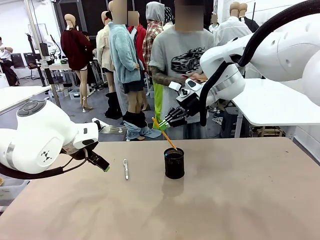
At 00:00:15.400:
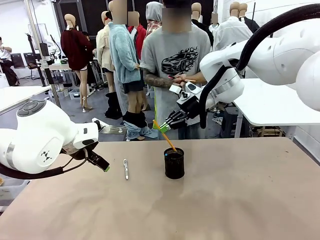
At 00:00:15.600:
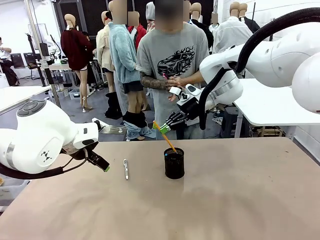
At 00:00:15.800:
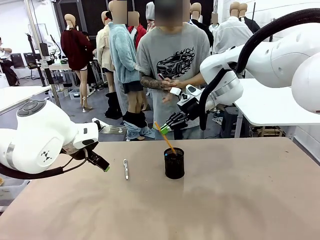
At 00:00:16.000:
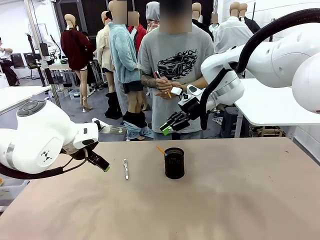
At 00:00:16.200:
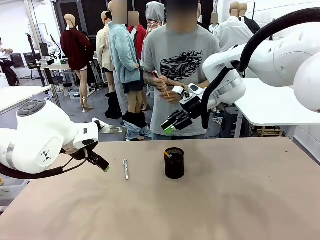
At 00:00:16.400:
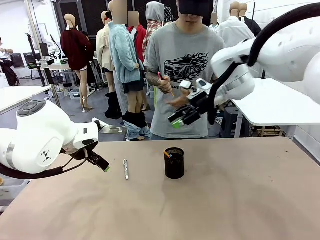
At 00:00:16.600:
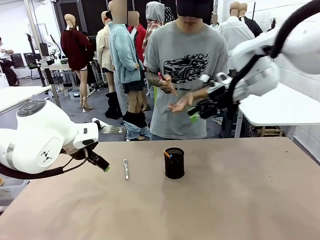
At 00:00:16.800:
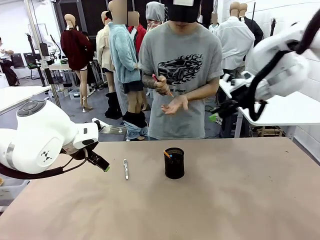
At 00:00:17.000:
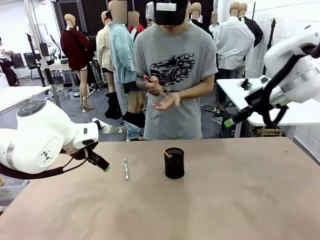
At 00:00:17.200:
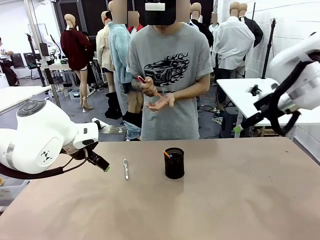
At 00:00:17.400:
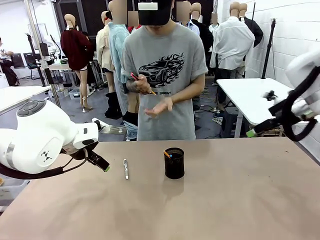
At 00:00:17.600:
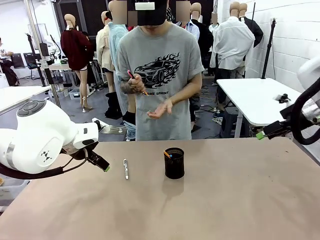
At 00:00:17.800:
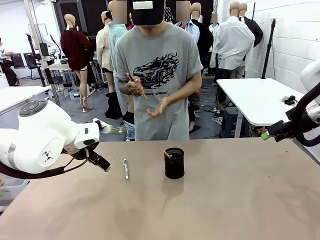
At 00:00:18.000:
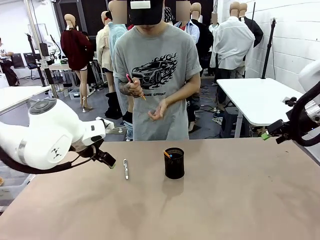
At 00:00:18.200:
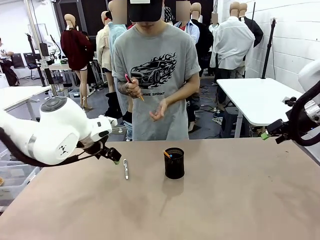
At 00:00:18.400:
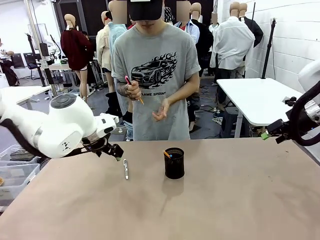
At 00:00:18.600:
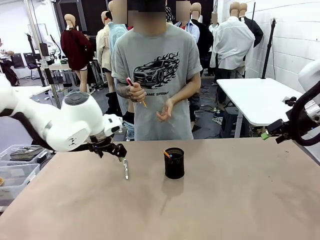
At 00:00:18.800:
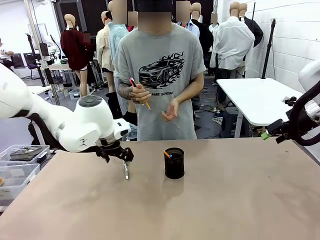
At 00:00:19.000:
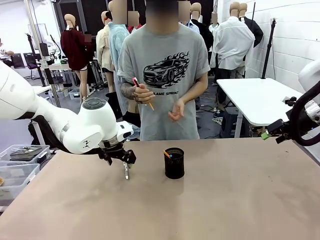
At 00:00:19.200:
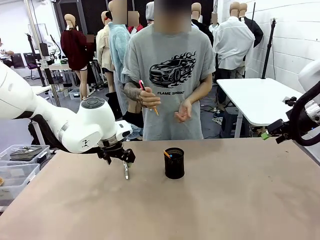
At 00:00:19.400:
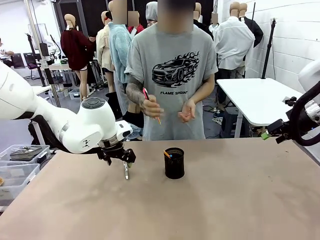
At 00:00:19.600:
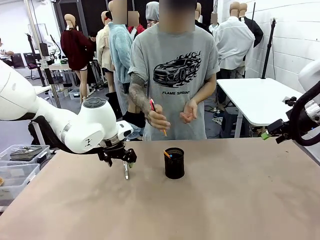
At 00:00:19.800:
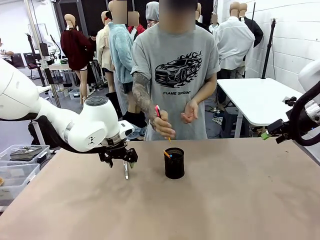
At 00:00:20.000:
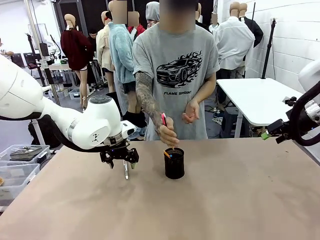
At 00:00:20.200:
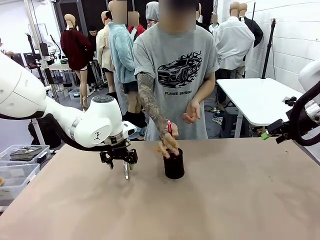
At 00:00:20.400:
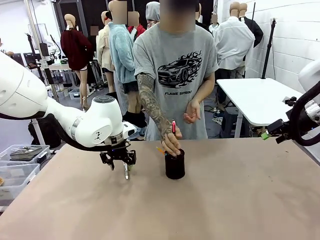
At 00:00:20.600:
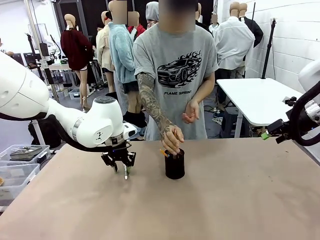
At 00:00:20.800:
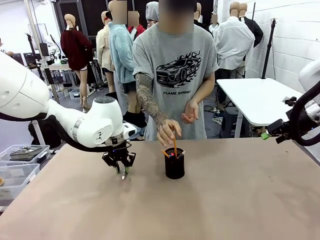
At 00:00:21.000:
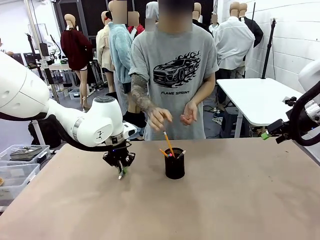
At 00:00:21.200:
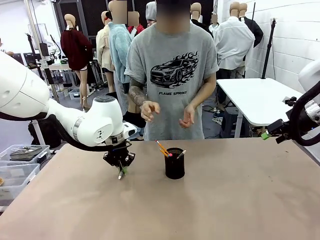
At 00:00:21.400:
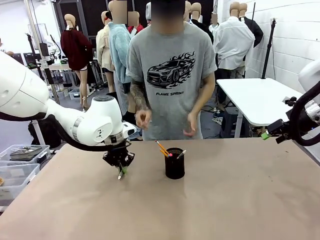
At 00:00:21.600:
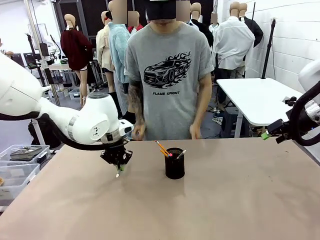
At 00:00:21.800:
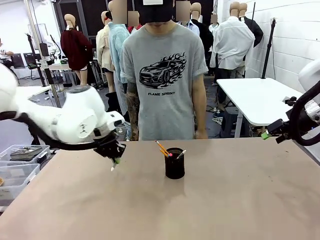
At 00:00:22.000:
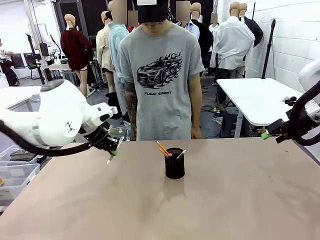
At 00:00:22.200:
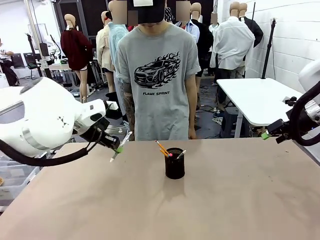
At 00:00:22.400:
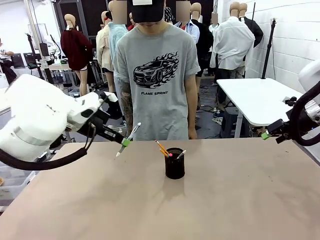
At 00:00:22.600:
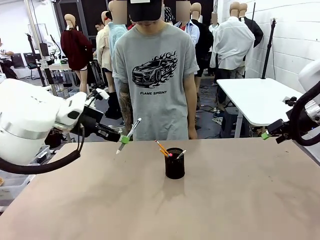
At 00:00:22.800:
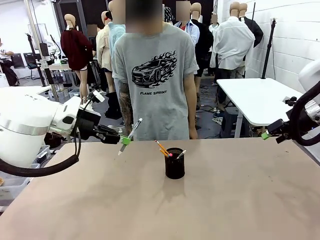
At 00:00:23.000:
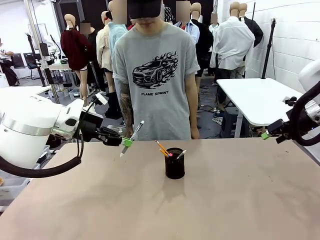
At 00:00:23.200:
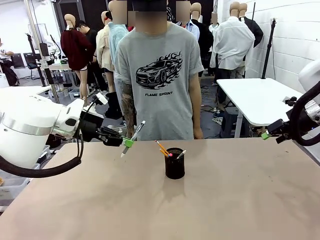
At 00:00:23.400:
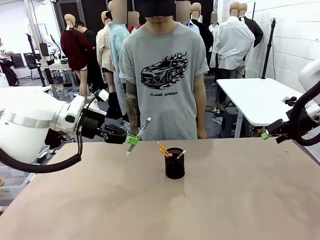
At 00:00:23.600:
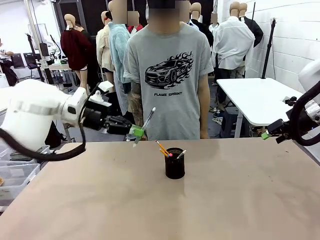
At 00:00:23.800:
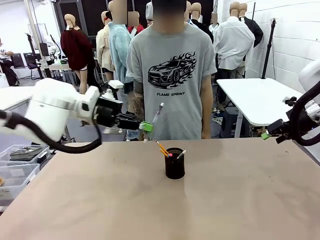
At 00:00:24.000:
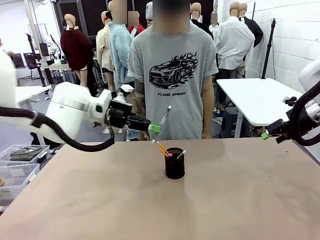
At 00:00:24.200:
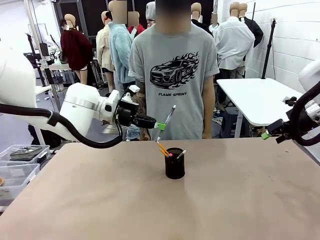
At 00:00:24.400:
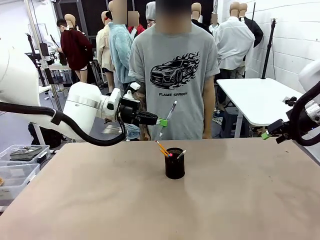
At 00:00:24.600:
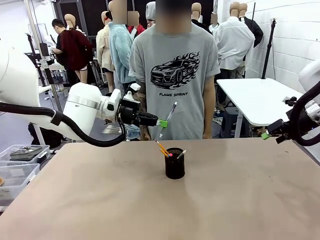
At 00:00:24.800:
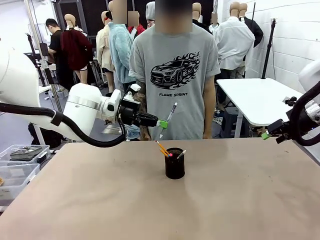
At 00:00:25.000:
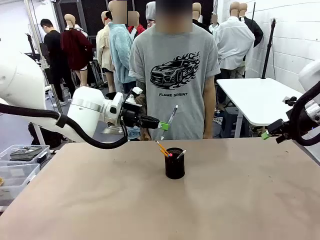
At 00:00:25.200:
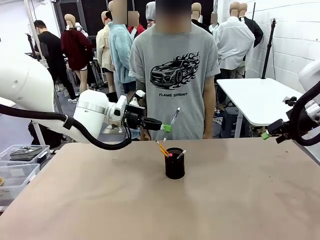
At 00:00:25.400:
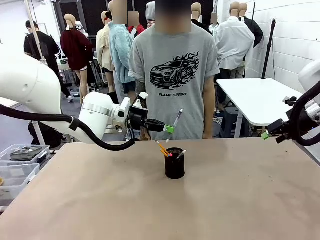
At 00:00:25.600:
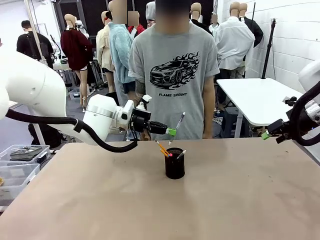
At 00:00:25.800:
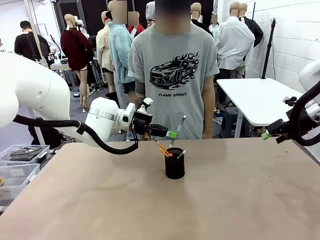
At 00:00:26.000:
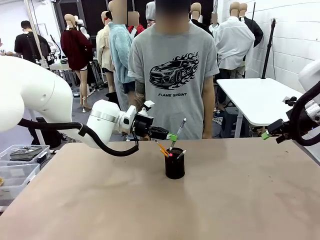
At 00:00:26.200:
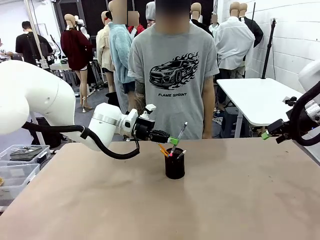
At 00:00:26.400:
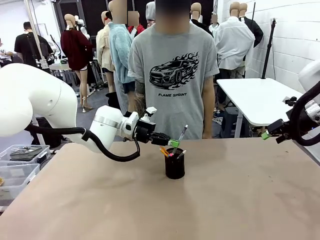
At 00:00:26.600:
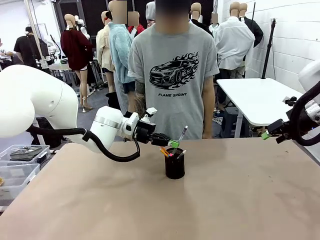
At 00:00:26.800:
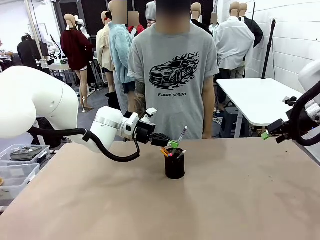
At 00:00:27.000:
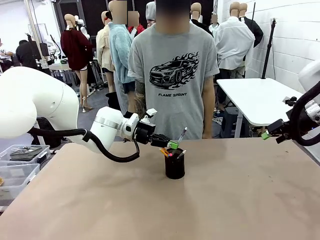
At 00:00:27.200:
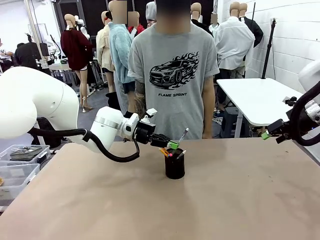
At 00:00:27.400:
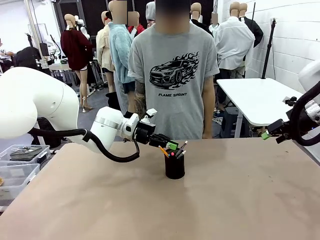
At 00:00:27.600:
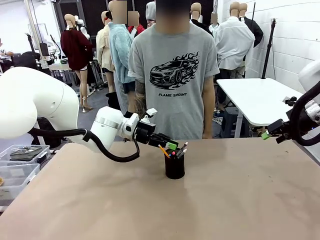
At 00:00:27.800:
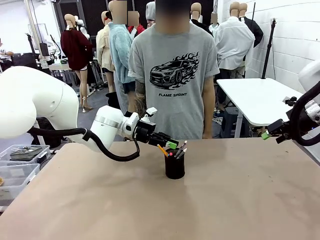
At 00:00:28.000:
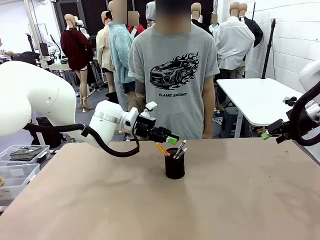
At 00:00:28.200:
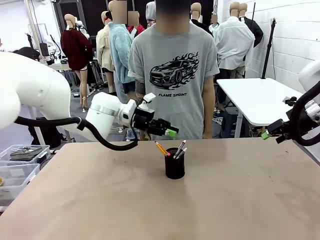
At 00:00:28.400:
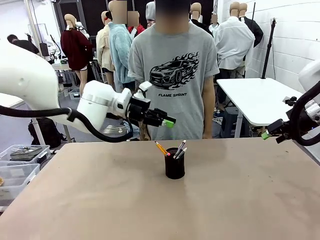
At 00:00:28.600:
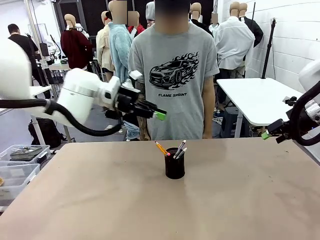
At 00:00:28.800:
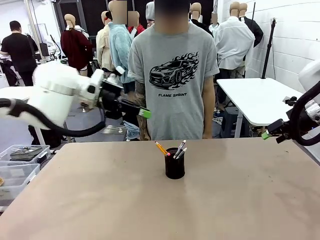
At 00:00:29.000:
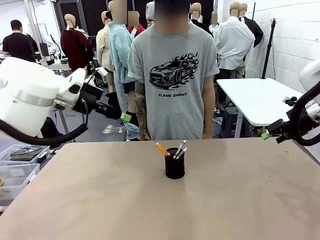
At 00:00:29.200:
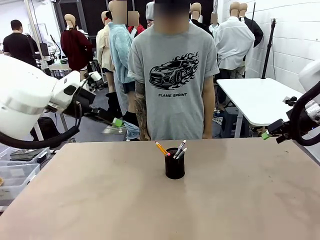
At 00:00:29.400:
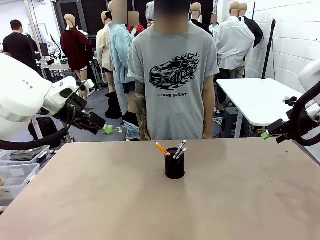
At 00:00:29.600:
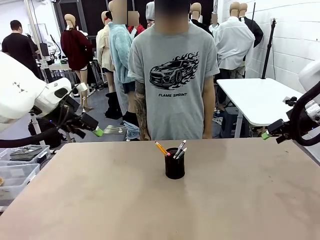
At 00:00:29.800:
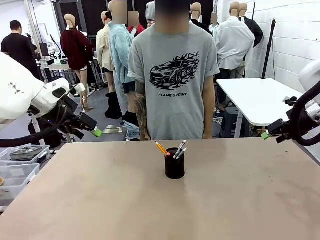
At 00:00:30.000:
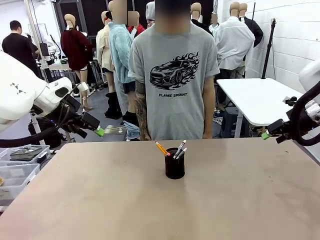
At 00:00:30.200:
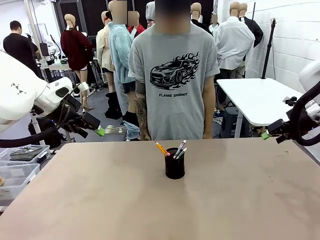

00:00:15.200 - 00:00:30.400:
Task: Place the pens into the pen holder.
Robot: Pick up a writing instrument from the table and place it into the Pen holder.
Person: Place all writing instrument into the Pen holder.
